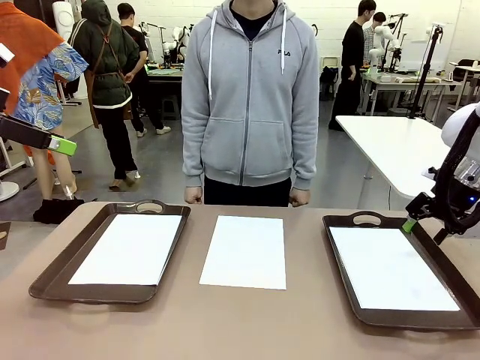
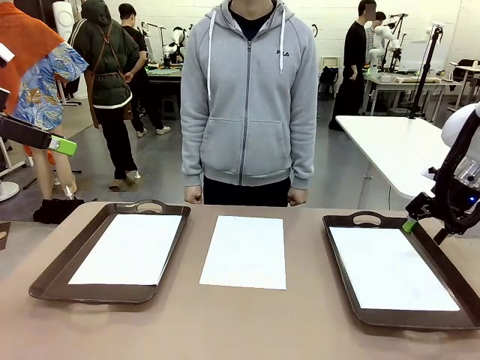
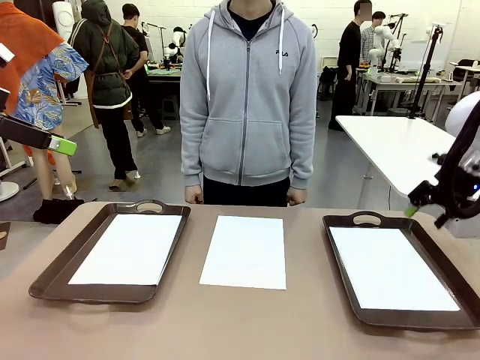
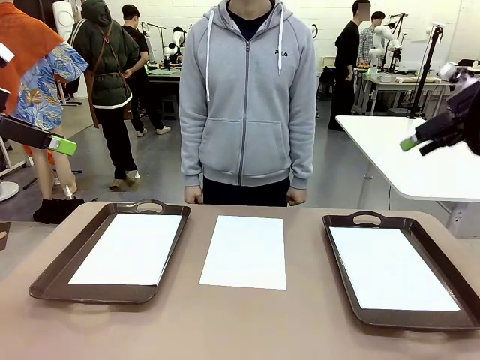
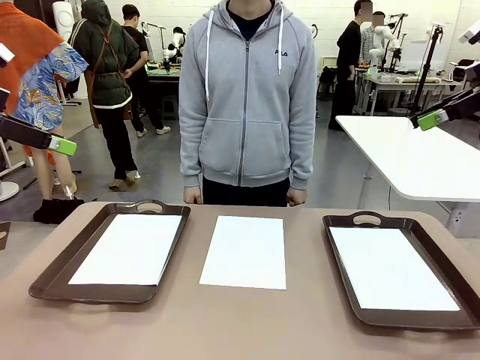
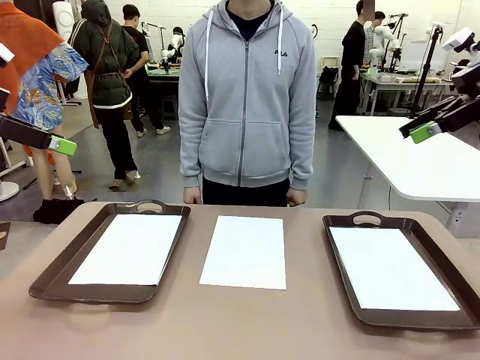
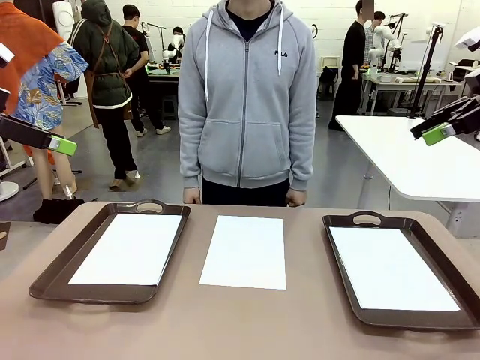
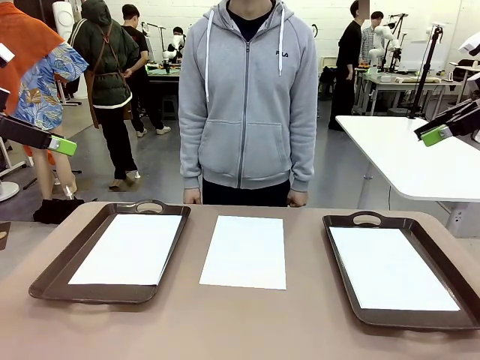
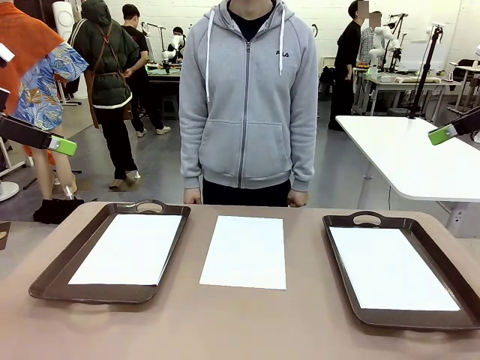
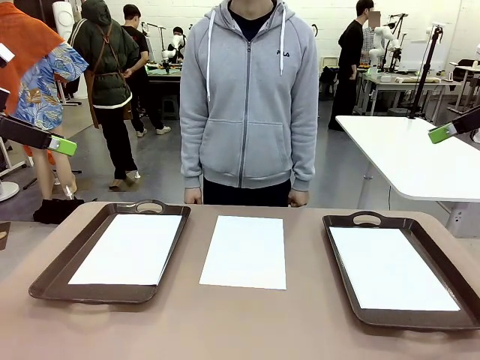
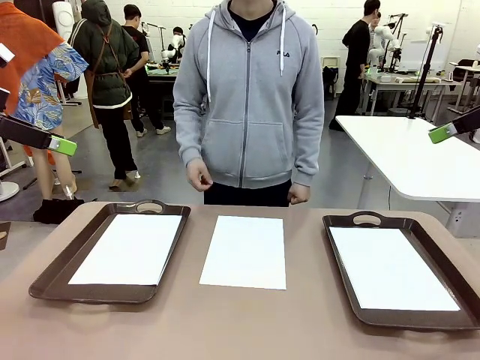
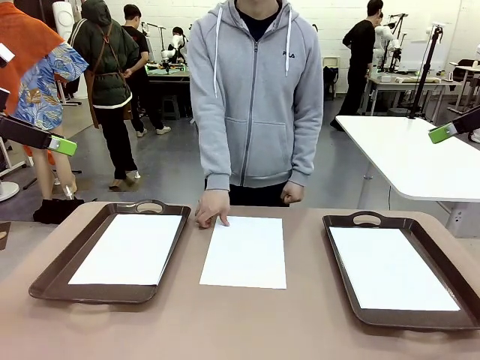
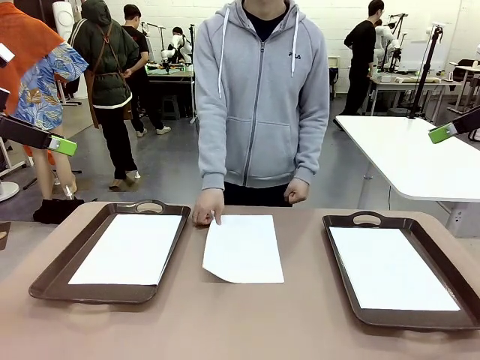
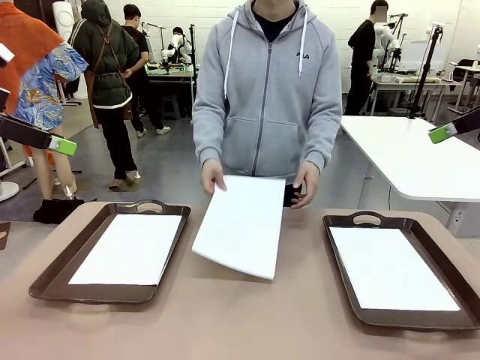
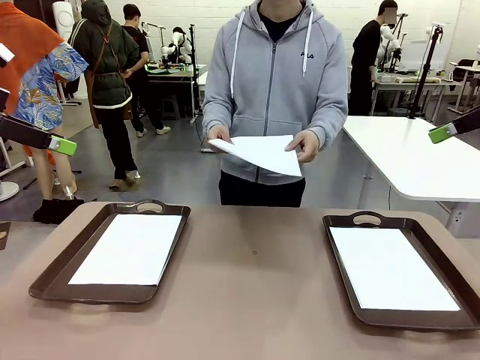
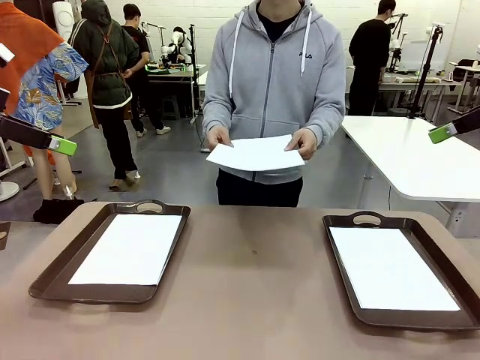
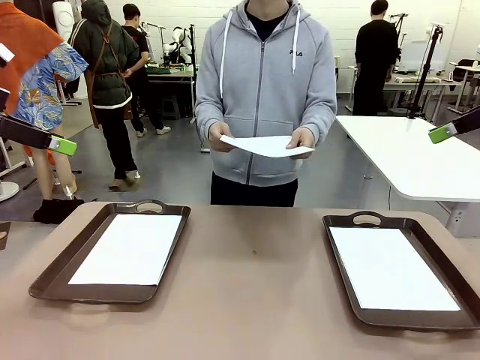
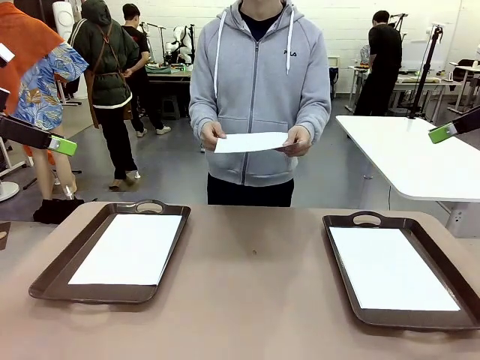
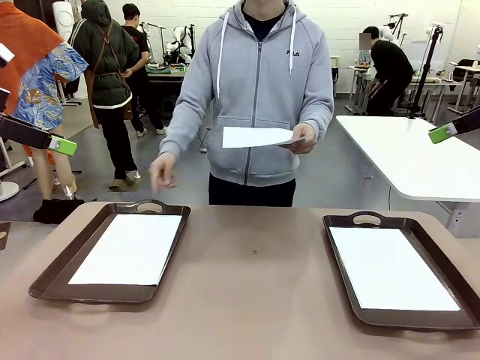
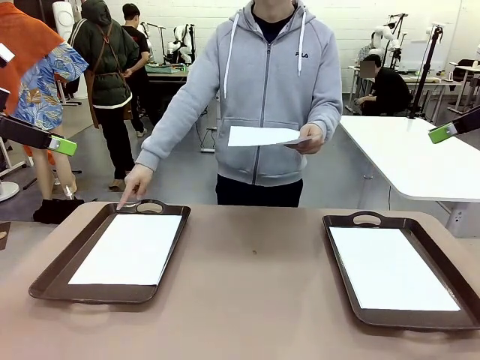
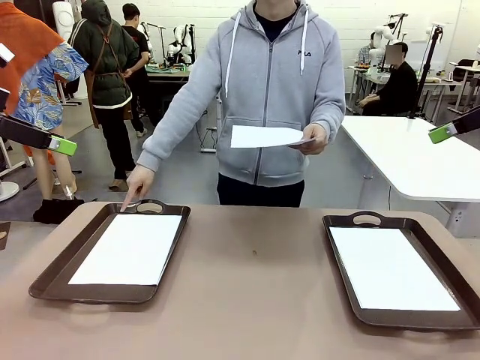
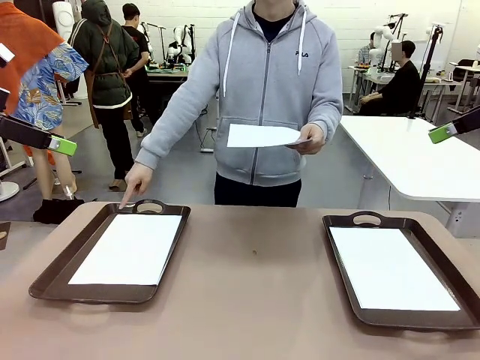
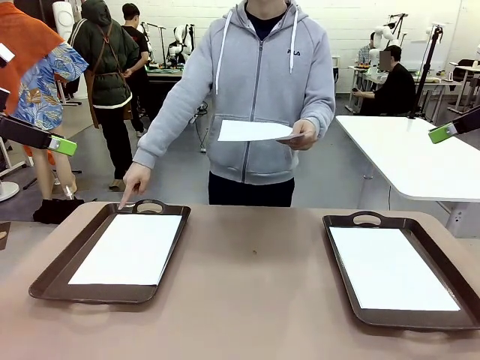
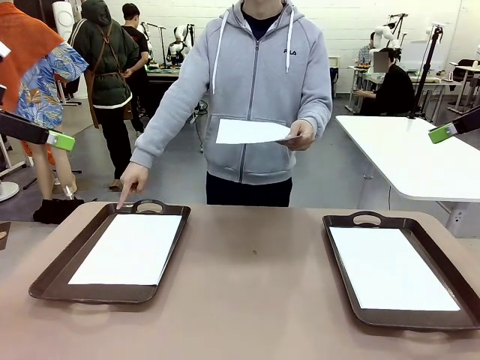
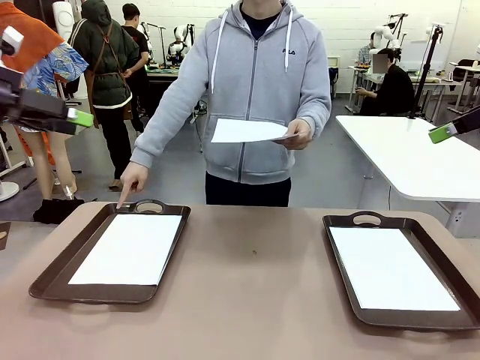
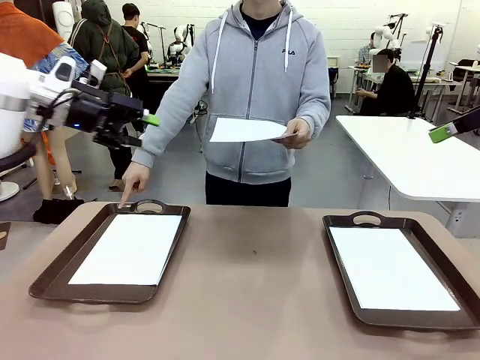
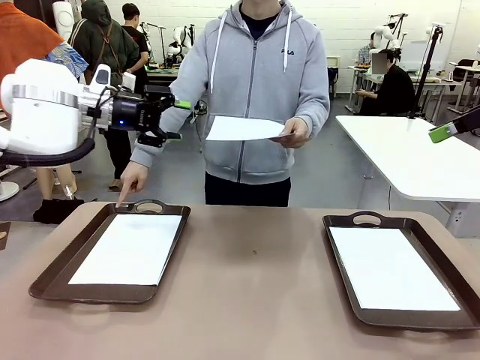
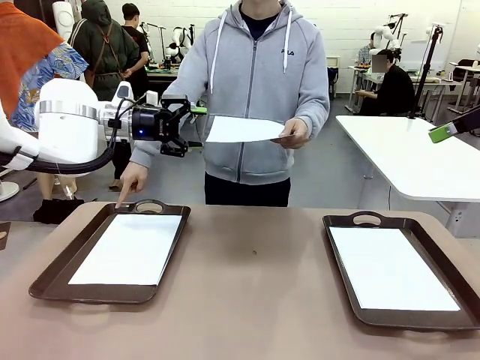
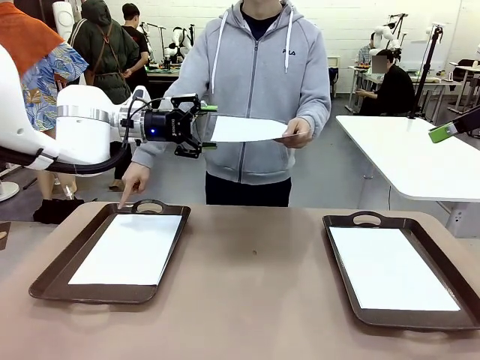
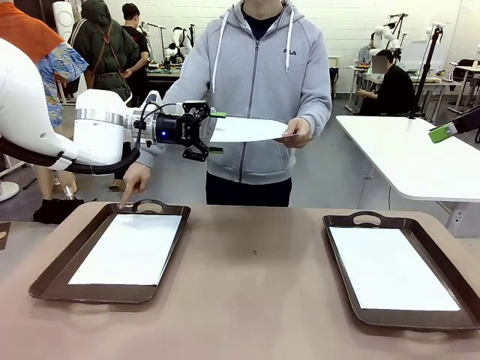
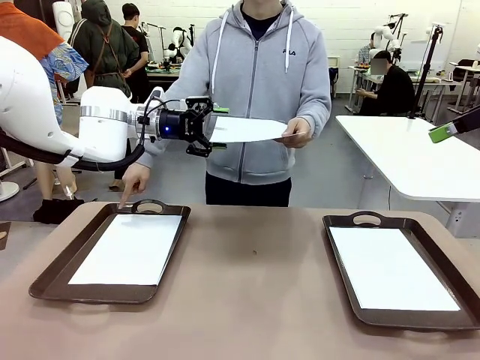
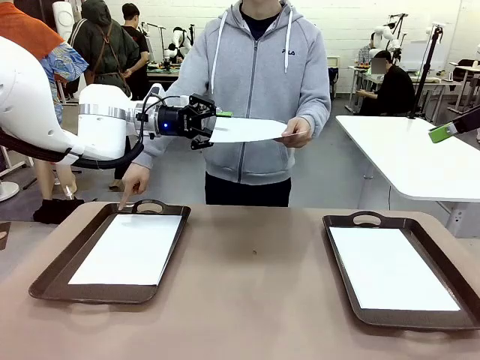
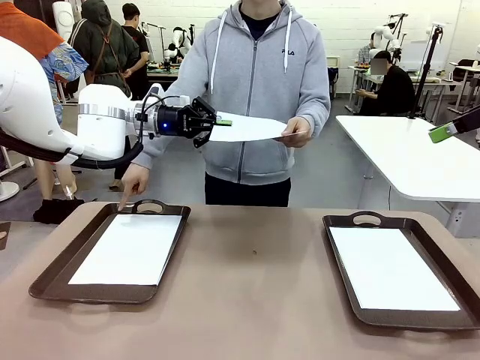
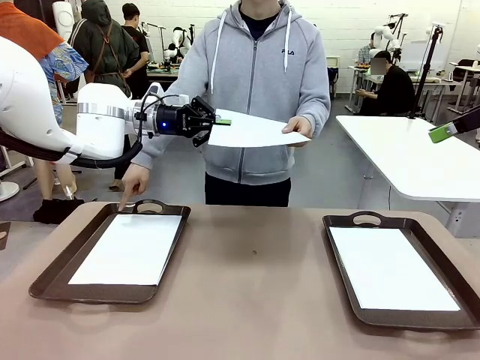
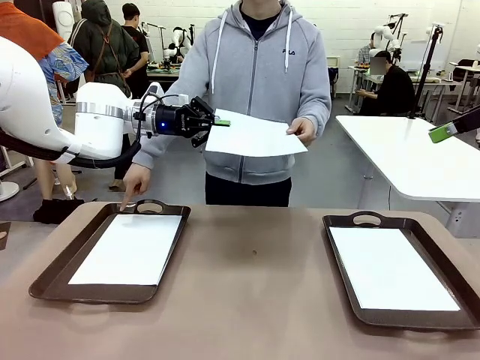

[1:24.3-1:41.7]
Task: Sort the A4 documents.
Robot: Receive the A4 Paper.
Person: Point the randomly selected tray with the other hand.

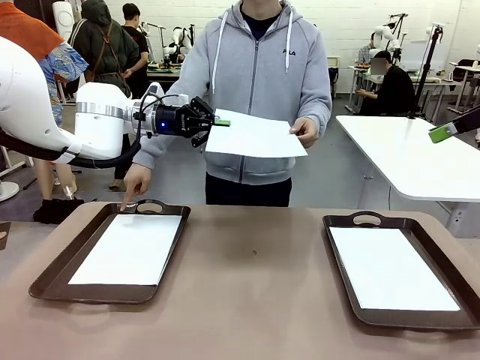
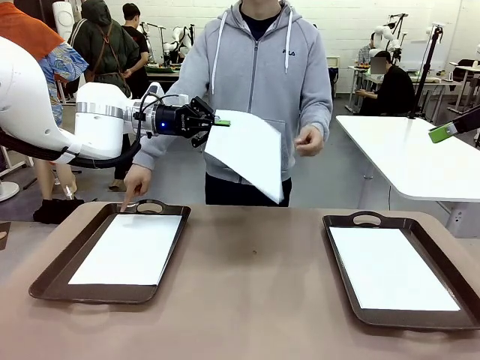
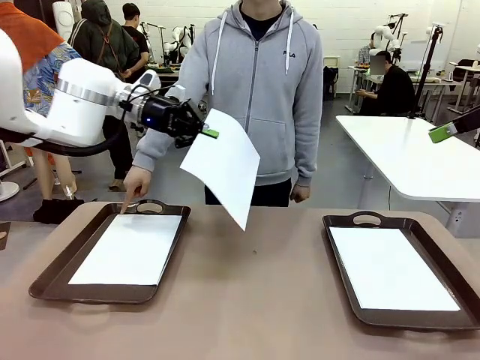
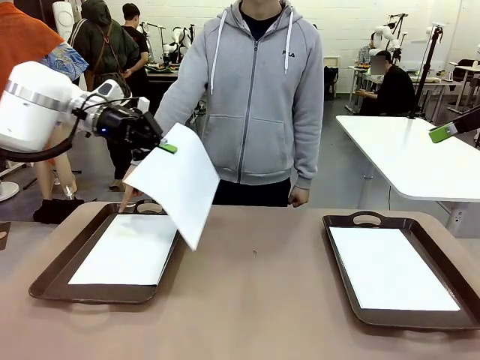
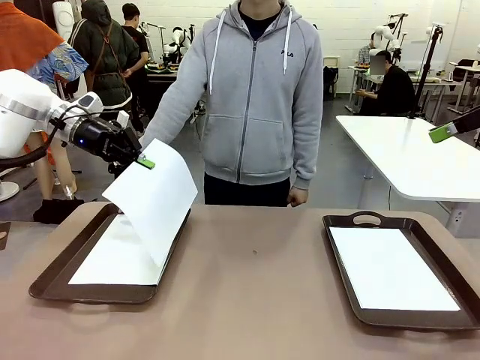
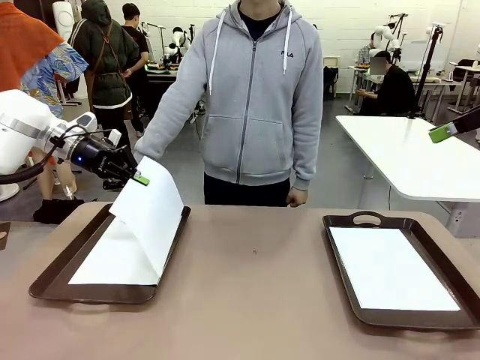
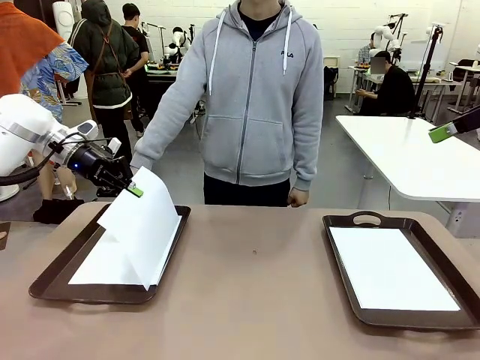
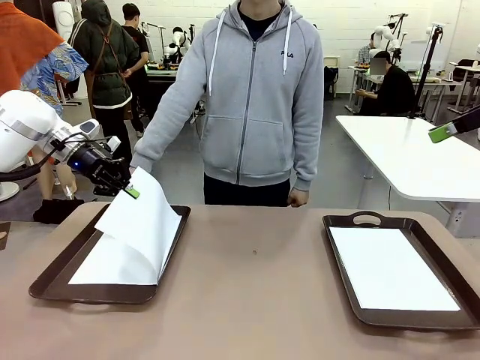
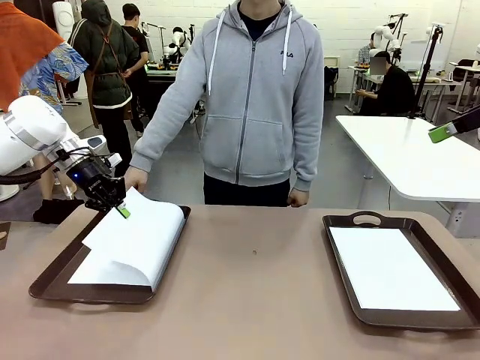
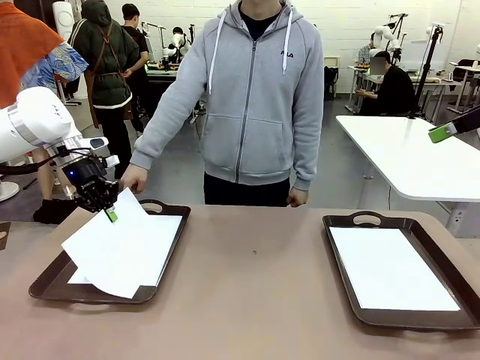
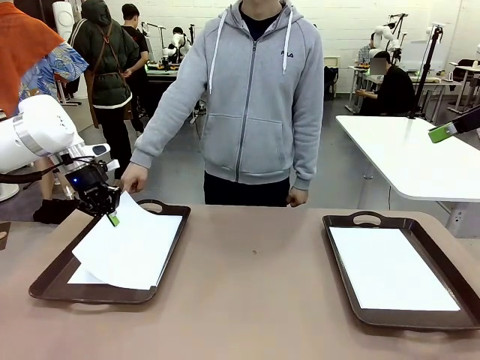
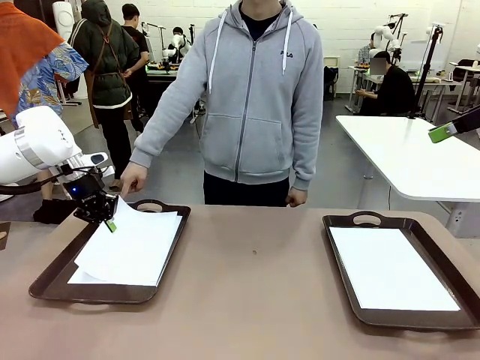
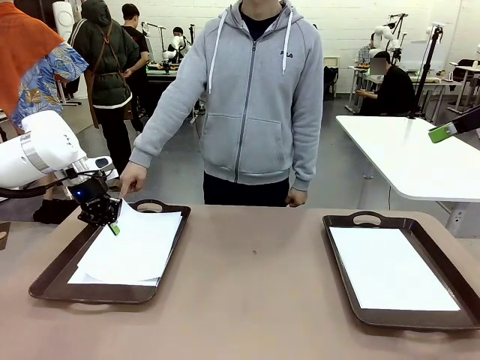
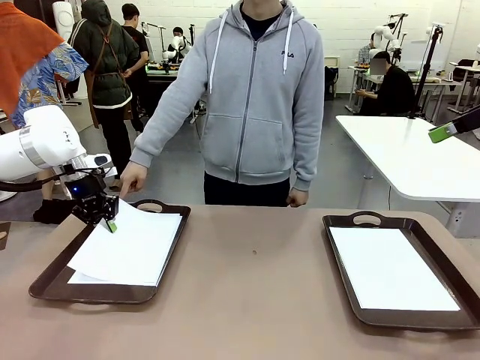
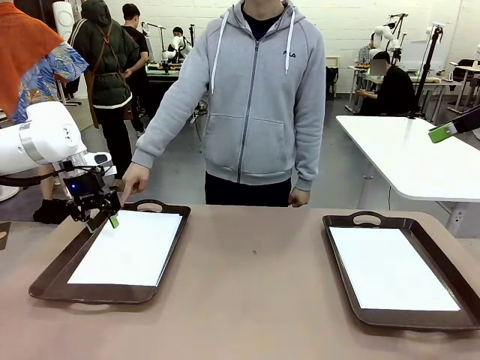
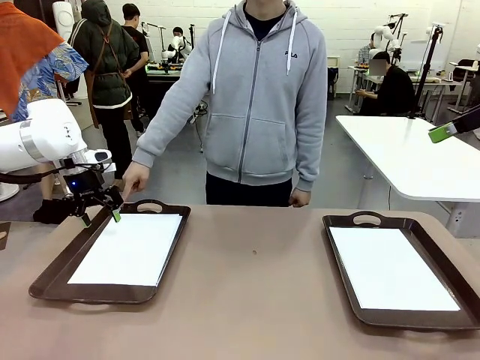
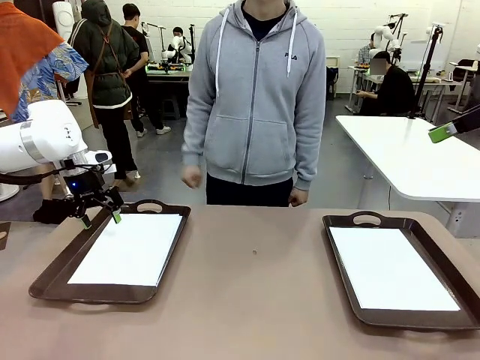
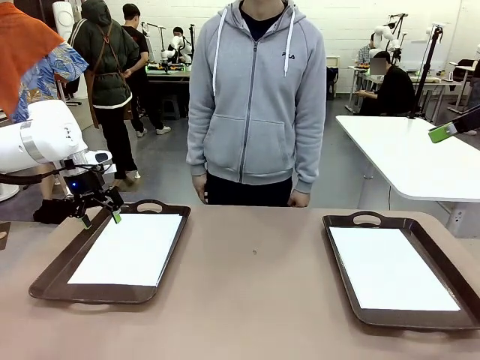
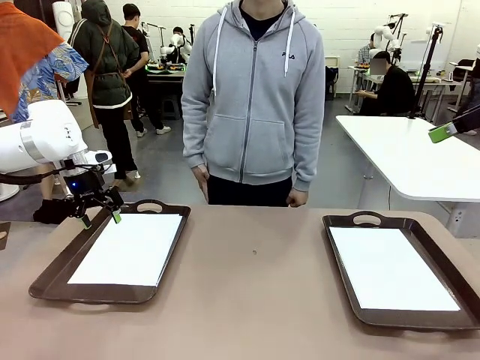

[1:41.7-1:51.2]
Robot: Place the A4 Paper in the designated Handle tray.
